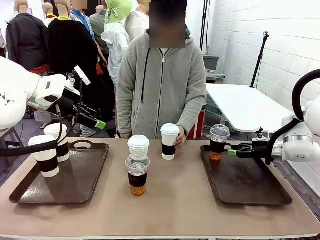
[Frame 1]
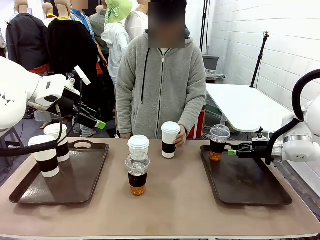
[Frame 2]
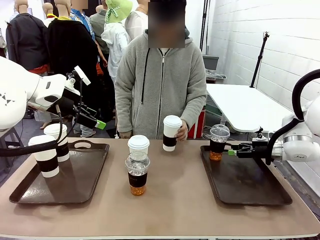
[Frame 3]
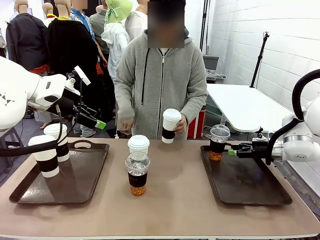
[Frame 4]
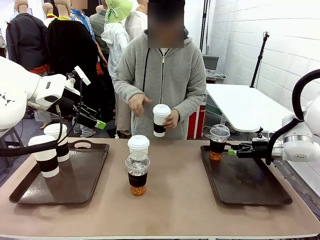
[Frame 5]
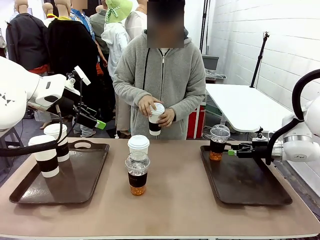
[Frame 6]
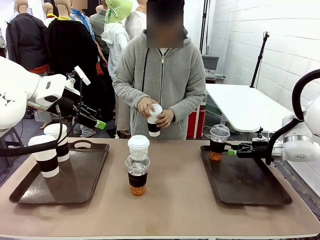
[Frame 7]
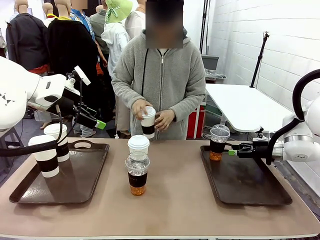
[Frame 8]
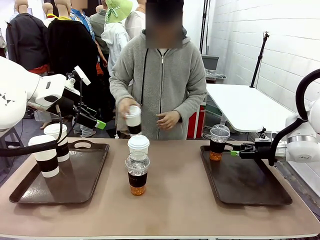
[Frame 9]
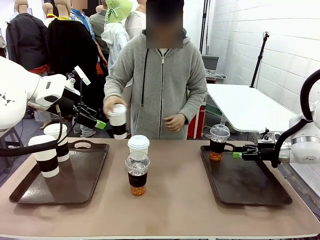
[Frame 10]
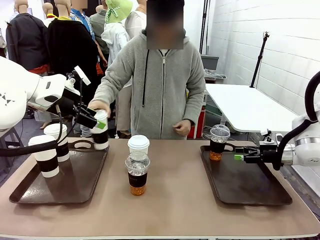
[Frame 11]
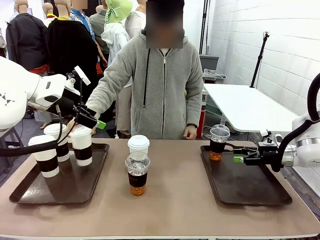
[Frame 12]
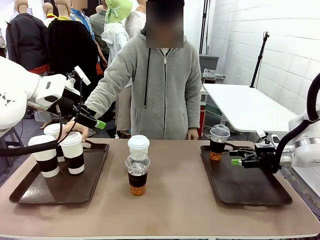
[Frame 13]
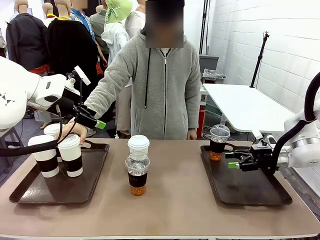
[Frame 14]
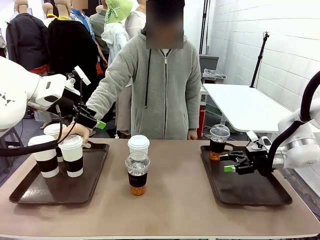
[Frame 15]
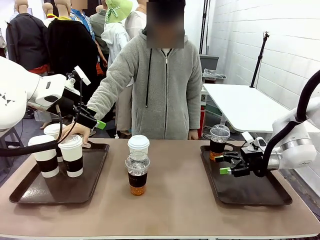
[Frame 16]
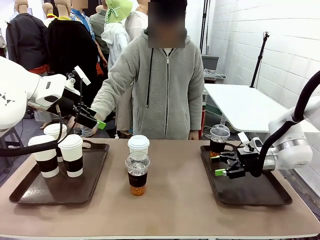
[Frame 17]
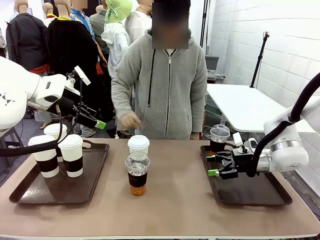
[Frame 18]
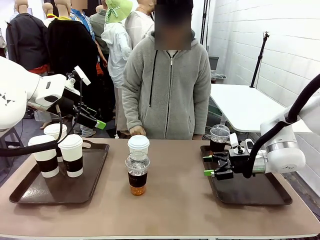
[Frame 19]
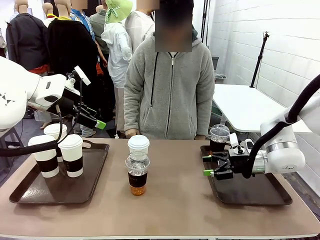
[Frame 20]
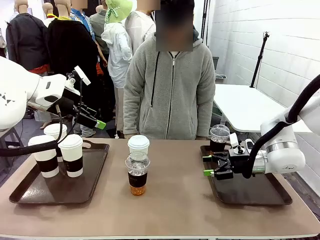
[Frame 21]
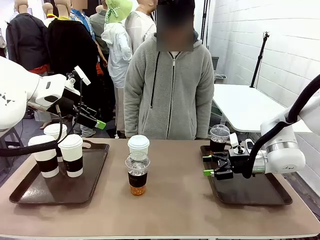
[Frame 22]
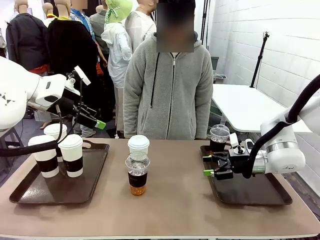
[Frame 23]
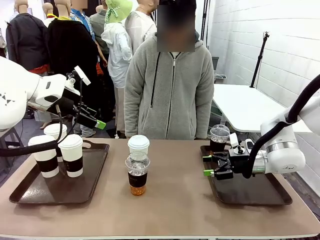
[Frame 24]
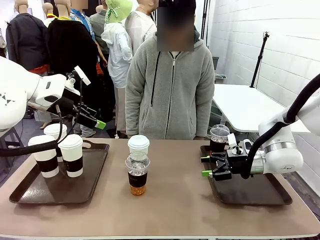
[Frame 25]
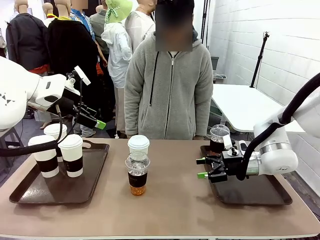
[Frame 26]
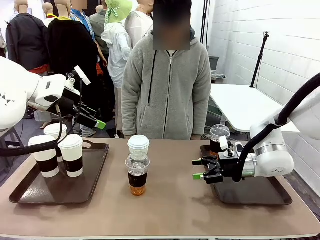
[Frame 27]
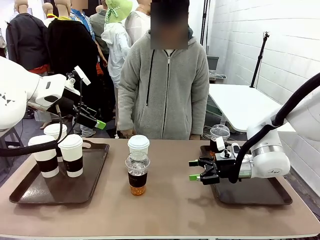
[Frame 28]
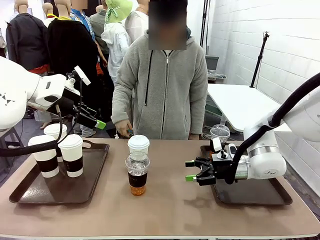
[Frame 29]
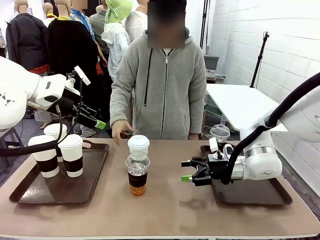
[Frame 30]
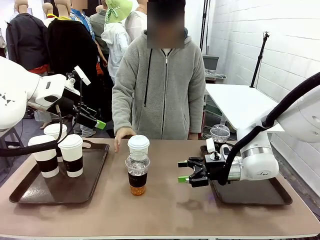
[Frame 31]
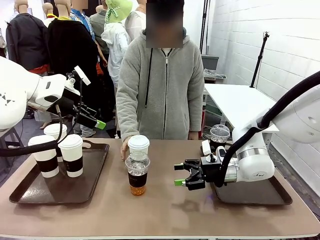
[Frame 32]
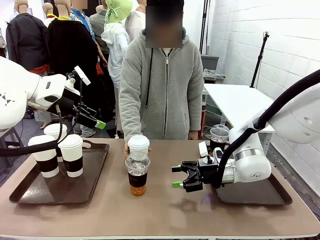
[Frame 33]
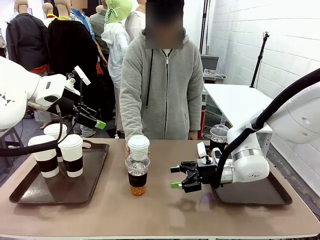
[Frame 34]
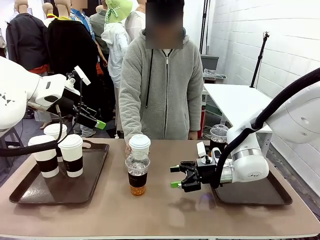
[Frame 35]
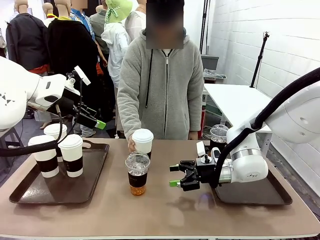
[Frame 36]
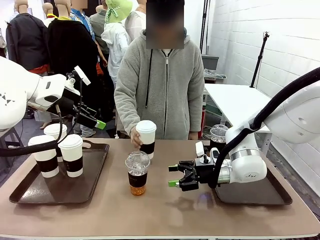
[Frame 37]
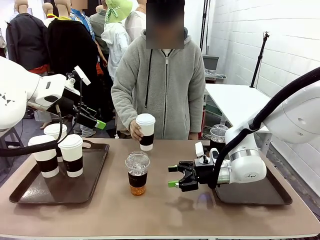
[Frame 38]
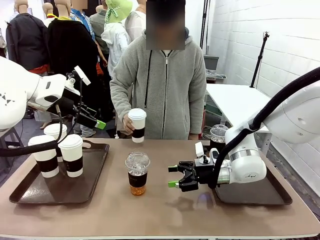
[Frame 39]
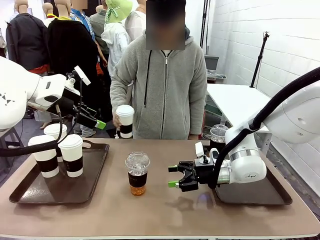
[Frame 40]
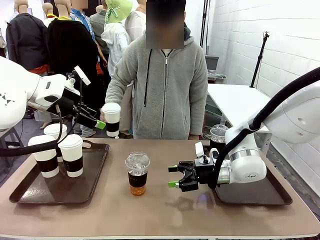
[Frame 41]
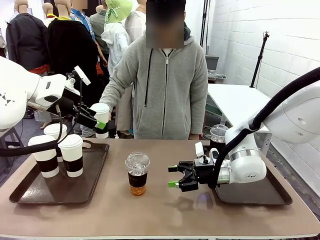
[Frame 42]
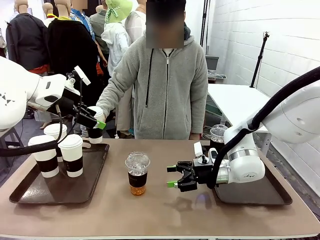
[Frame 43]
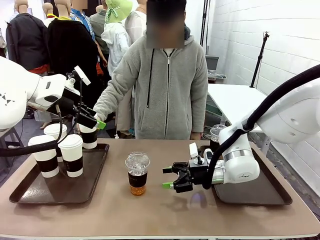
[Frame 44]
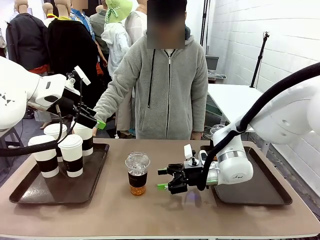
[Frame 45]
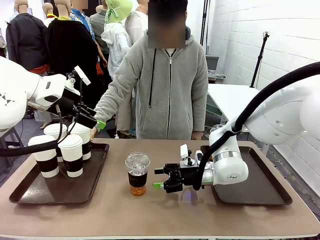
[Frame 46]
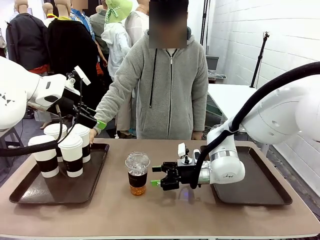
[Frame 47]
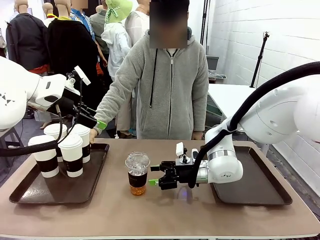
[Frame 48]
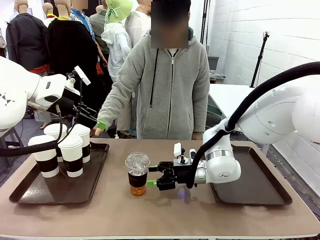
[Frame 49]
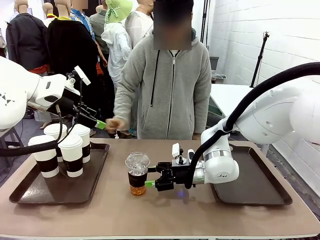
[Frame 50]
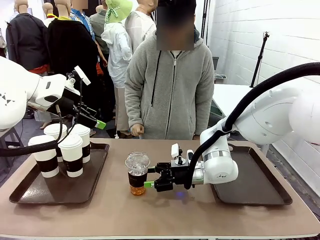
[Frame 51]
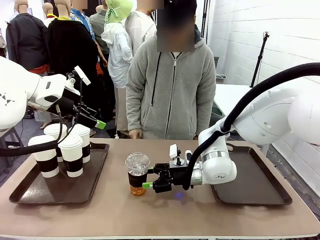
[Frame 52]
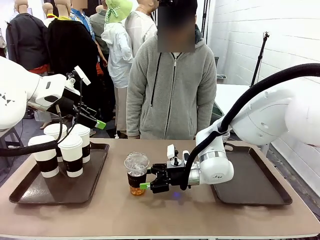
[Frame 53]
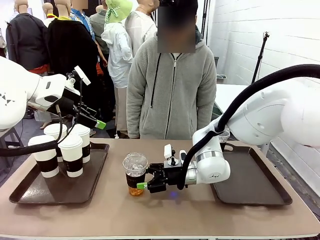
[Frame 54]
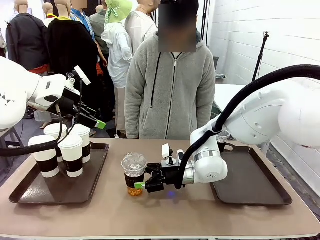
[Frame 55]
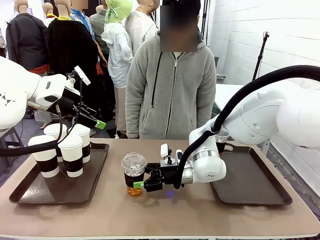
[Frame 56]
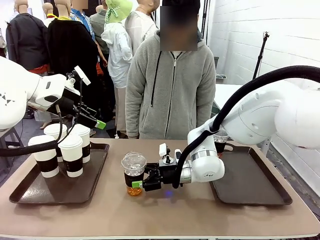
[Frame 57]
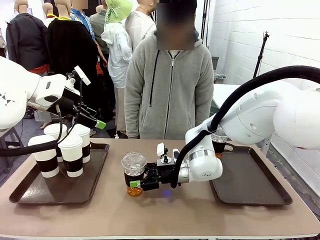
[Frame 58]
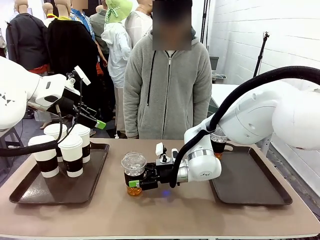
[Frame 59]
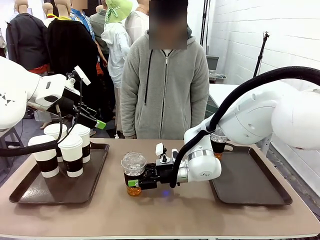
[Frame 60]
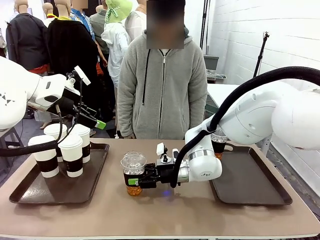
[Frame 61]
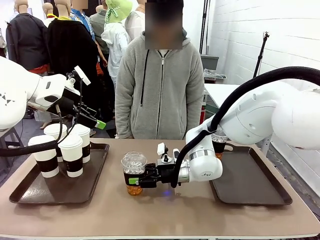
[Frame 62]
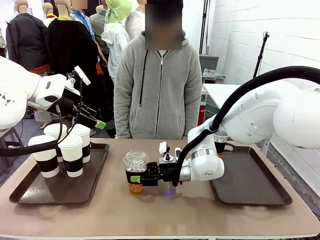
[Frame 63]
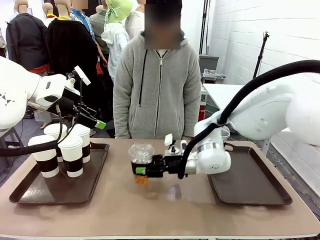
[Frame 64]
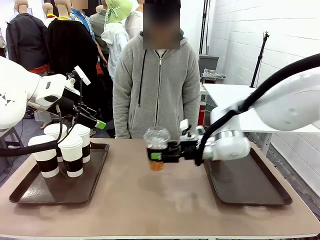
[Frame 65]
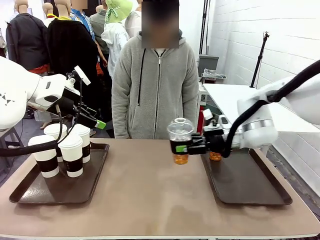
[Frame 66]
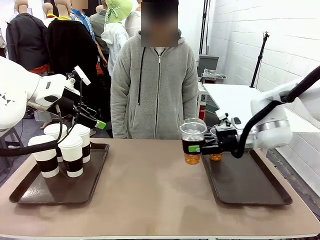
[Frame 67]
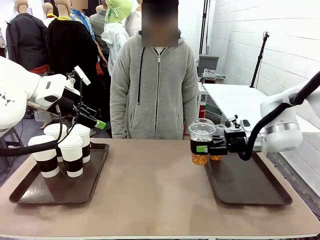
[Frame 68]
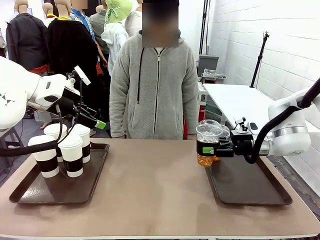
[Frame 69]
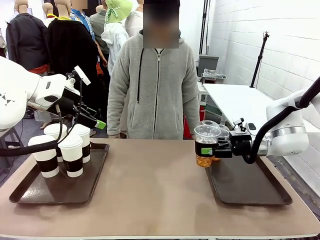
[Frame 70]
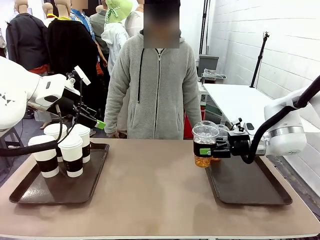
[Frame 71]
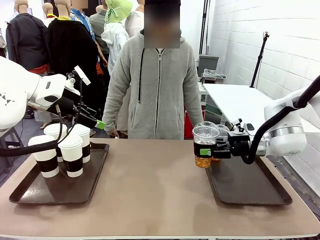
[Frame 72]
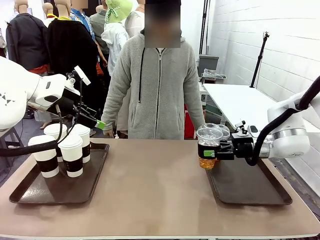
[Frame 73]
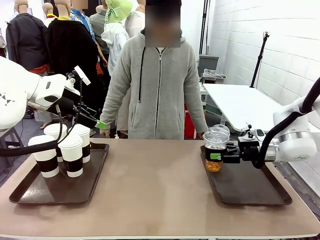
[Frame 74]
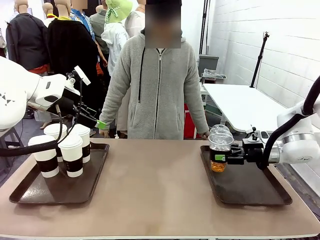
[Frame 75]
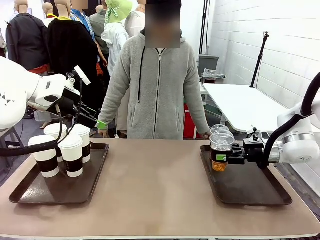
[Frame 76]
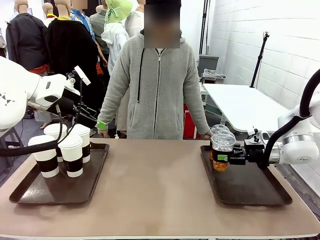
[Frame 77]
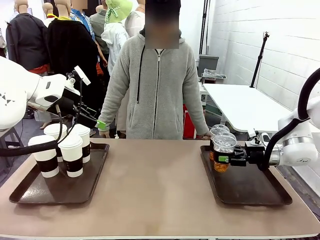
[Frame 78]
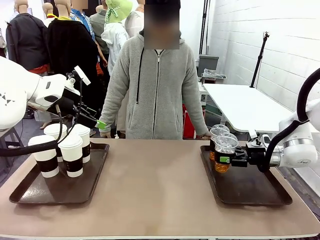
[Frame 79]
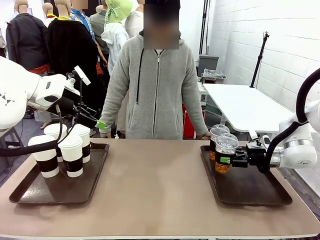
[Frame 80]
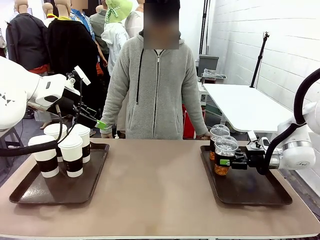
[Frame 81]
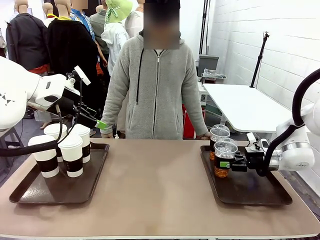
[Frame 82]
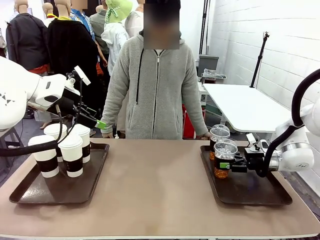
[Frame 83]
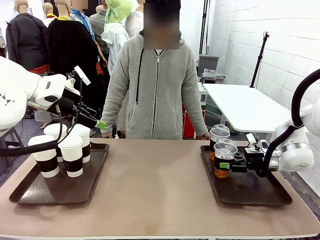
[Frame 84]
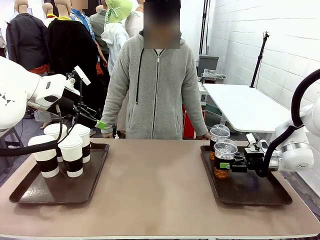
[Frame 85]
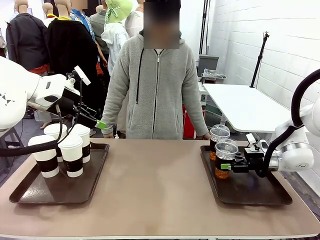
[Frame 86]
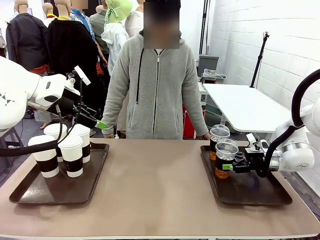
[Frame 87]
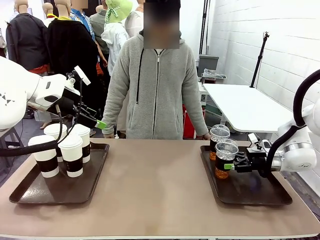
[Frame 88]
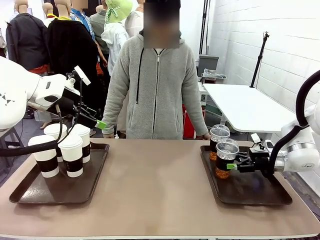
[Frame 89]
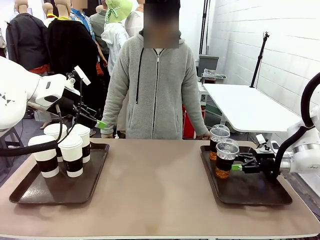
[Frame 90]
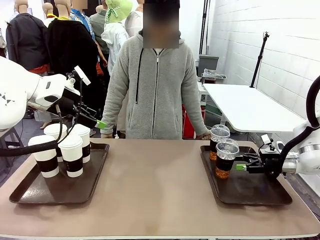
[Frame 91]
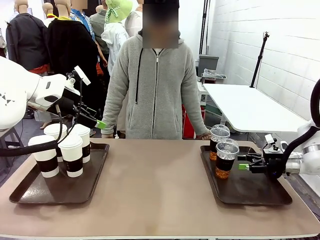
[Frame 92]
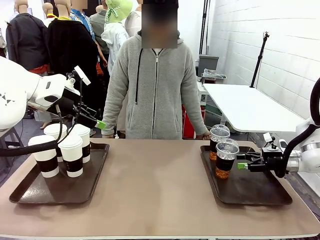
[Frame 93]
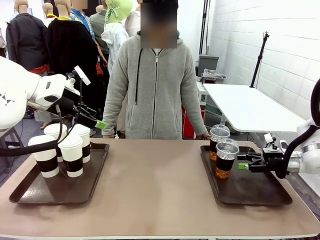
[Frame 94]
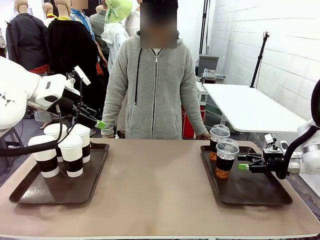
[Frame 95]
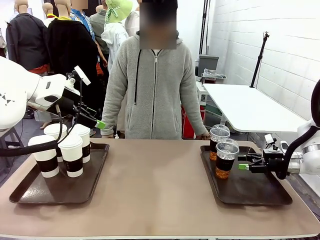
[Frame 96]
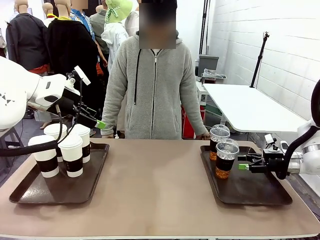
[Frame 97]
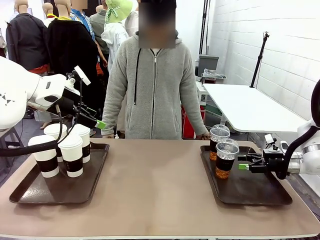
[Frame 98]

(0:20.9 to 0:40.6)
Task: Distribute the coffee onto the tray.
Robot: Pick up another iced Americano from the middle of the table and place it on the right Handle tray.
Person: Pick up a cup of hot Americano from the middle of the table and place it on the right tray.
